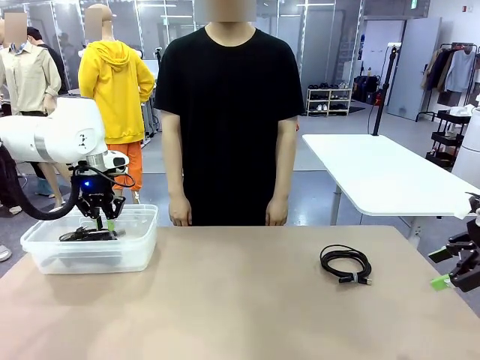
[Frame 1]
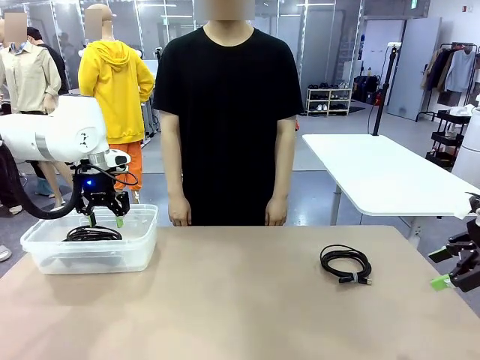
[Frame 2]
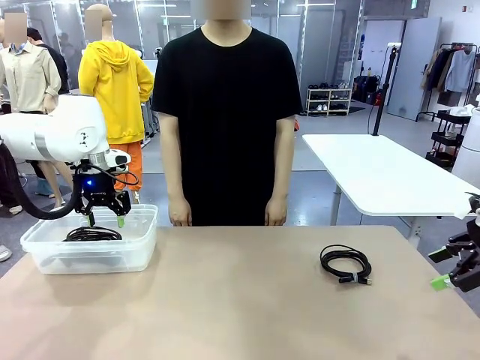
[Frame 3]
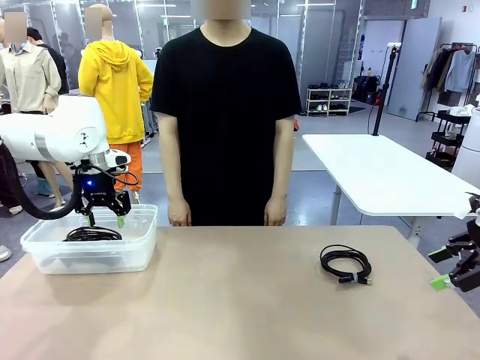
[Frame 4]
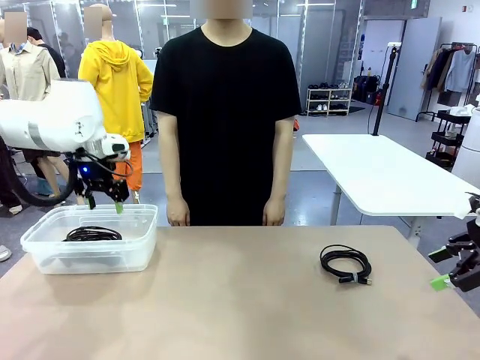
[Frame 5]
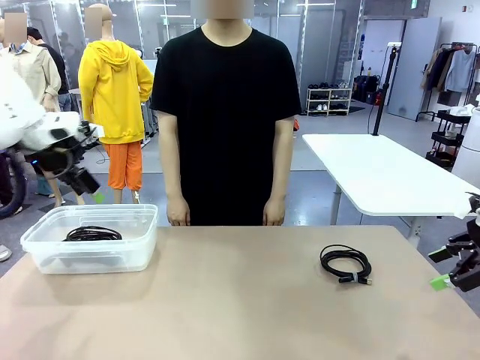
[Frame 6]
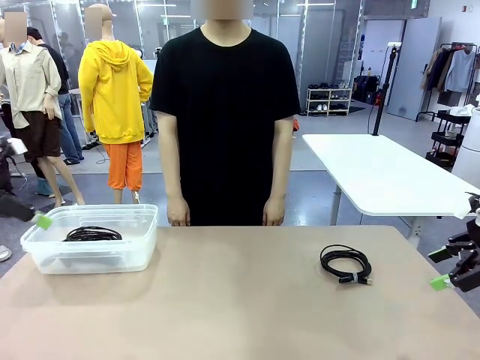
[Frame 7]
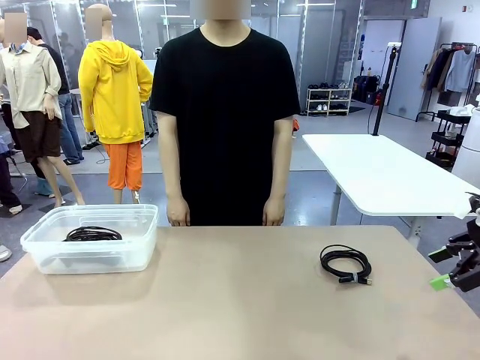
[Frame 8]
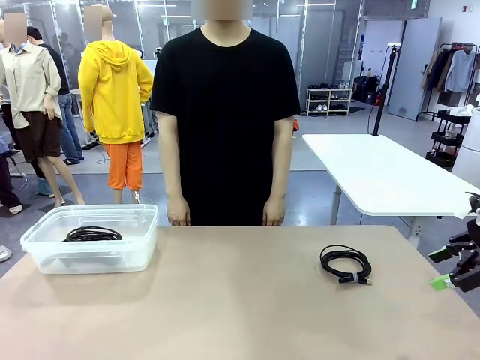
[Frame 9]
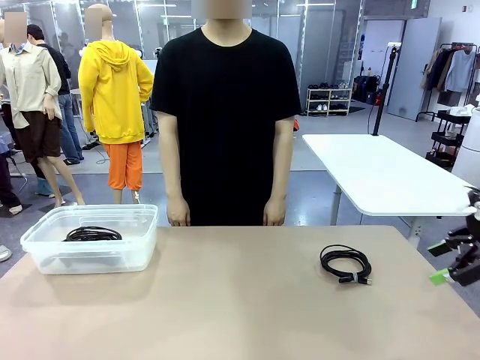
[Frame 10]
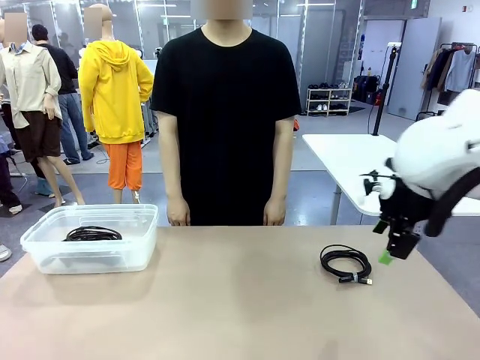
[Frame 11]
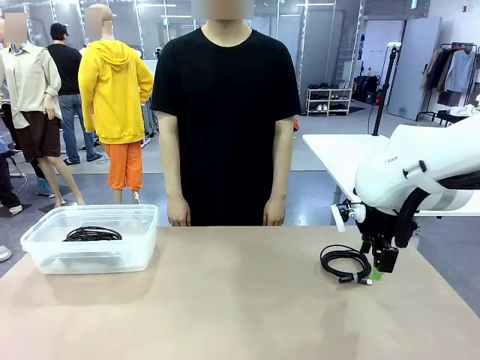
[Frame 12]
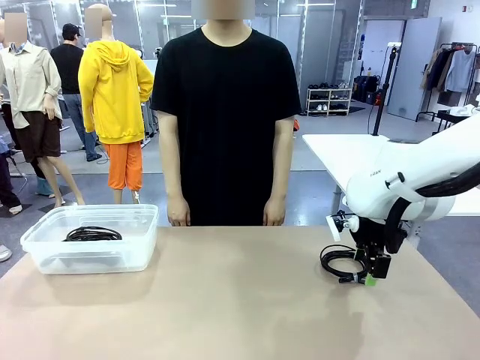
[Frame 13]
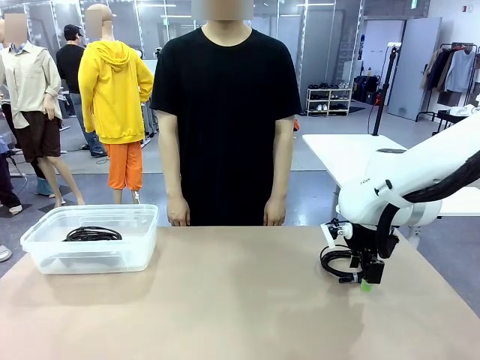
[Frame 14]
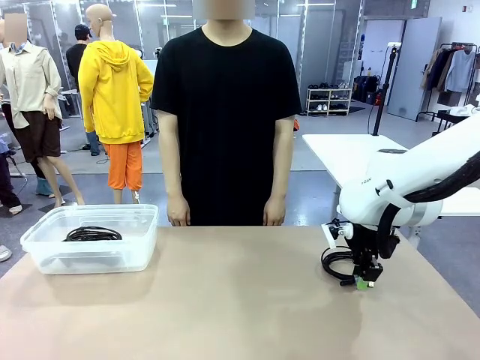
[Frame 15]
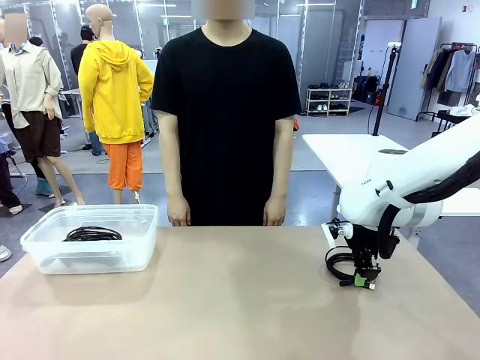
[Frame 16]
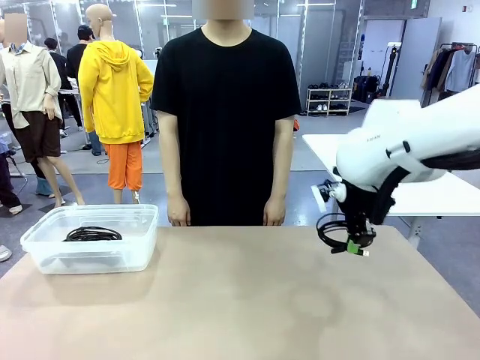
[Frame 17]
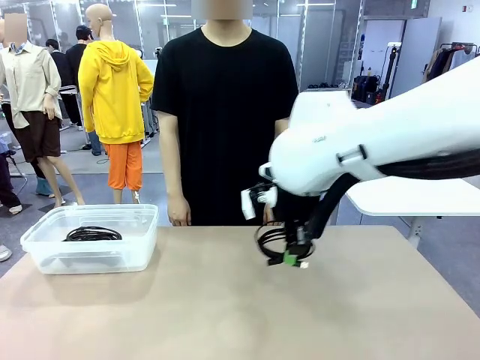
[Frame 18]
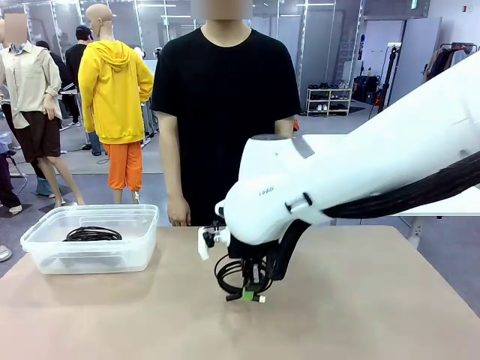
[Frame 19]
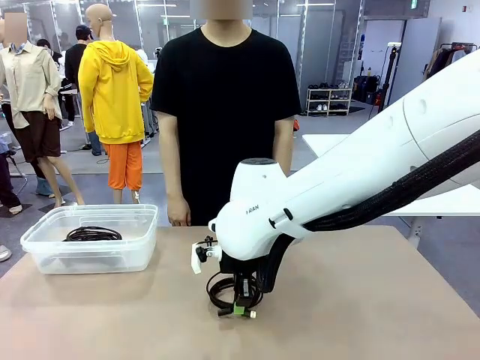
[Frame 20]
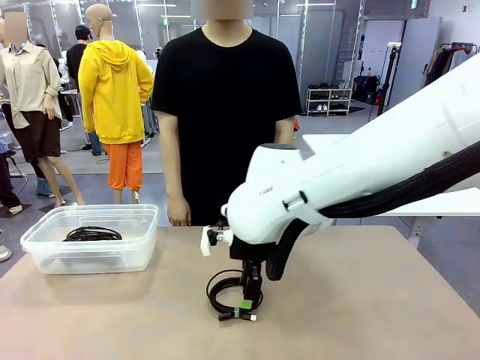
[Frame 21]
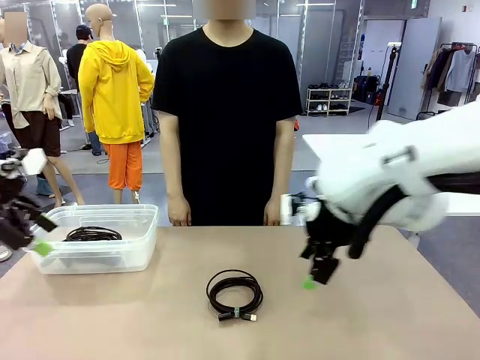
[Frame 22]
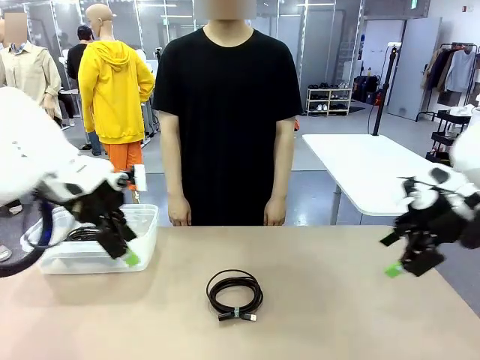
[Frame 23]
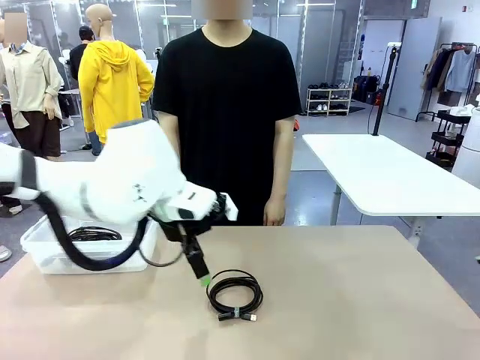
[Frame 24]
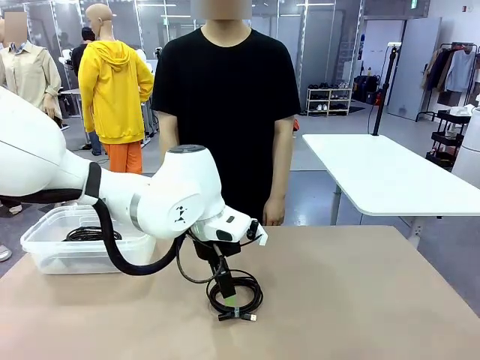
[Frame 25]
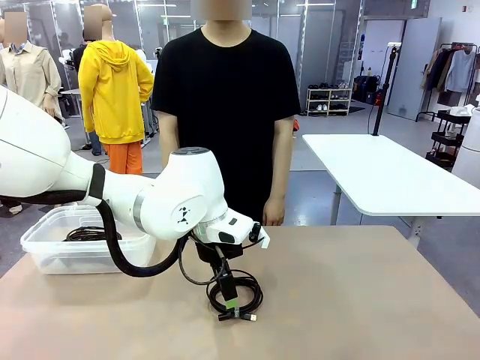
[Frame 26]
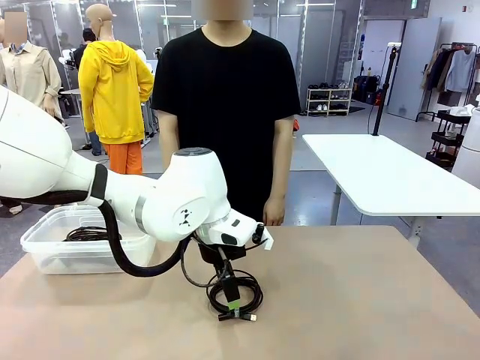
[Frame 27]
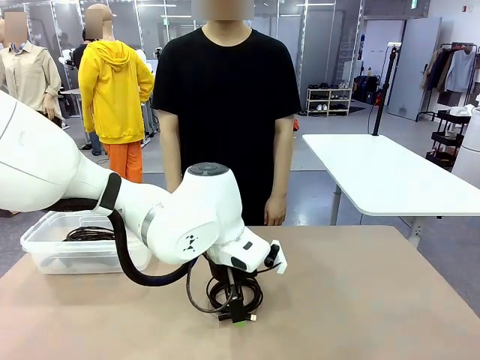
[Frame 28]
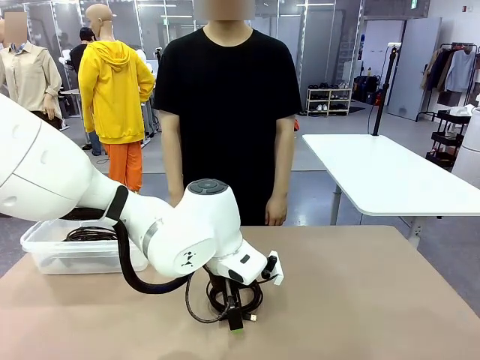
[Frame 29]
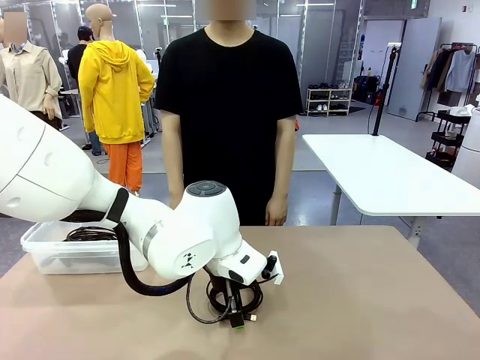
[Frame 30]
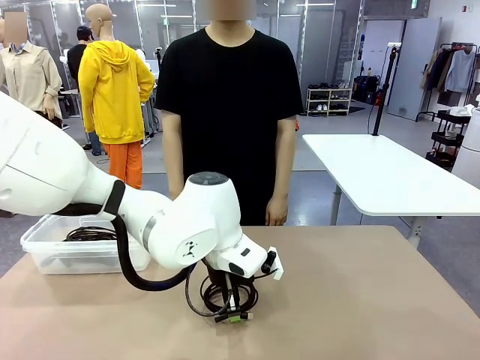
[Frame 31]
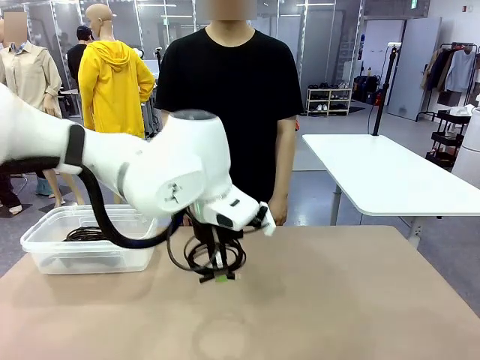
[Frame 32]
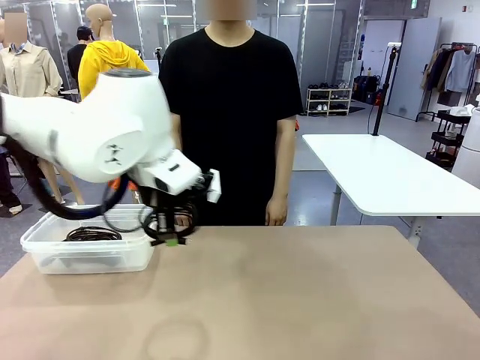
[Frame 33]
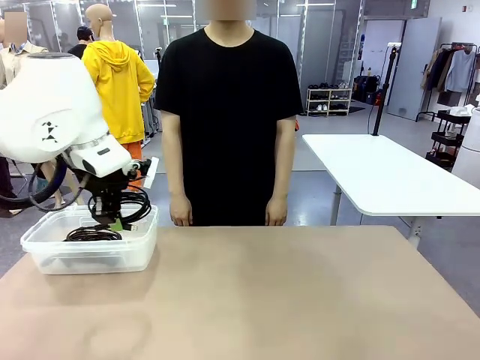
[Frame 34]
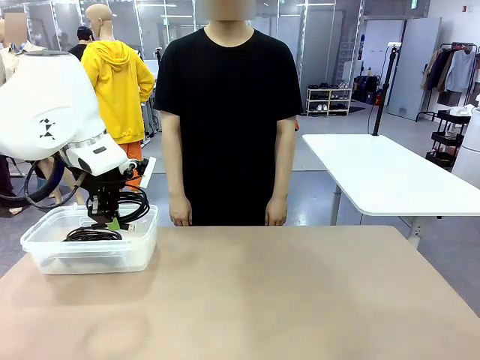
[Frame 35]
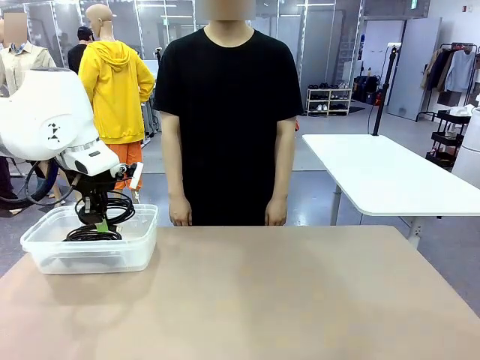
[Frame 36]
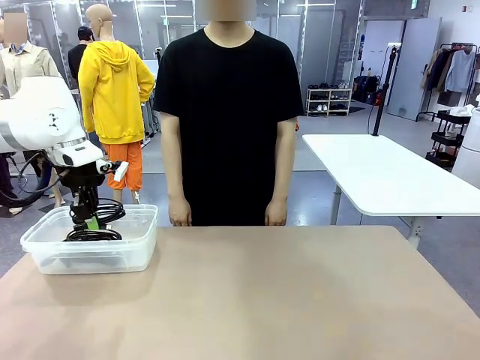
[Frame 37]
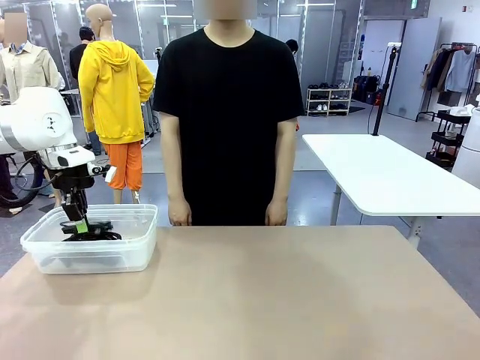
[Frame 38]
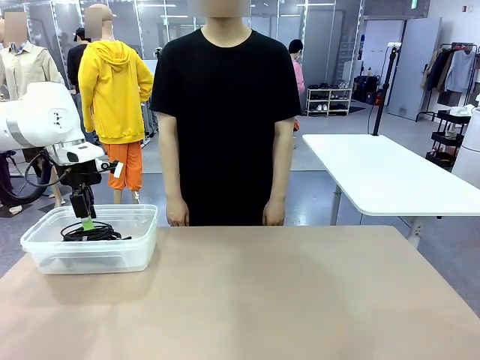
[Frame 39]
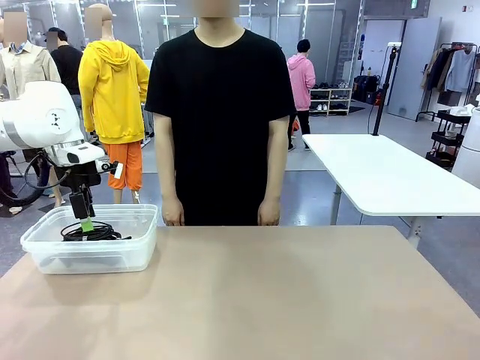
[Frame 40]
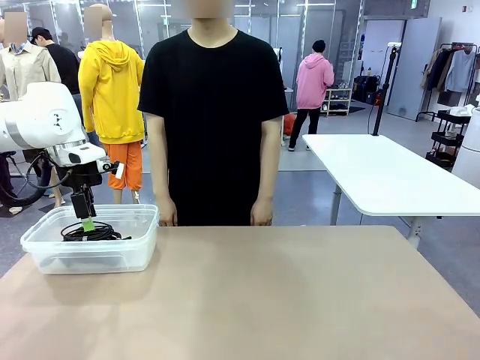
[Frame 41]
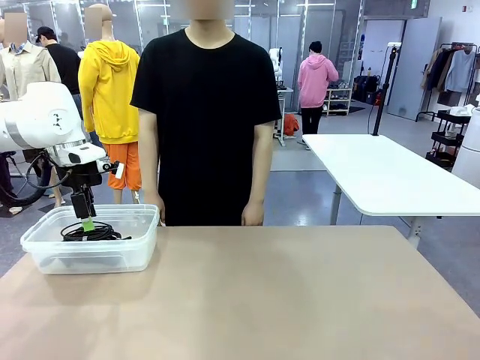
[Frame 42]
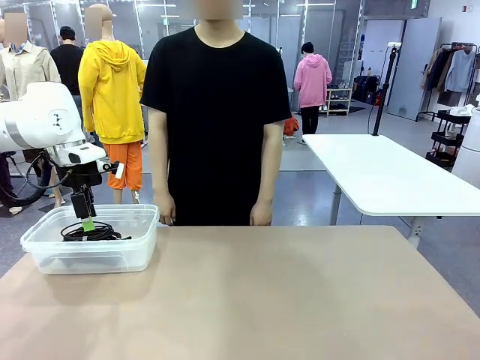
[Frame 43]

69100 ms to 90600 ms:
Task: Organize and store the cables.
Robot: Place the USB Extension Cable into the Organizing box.

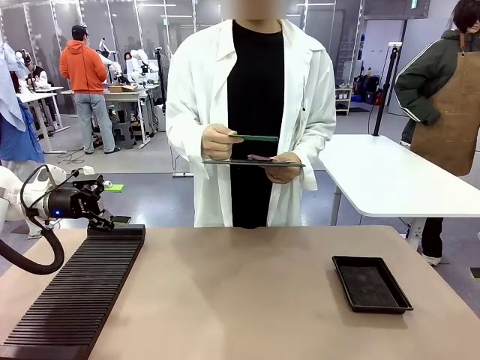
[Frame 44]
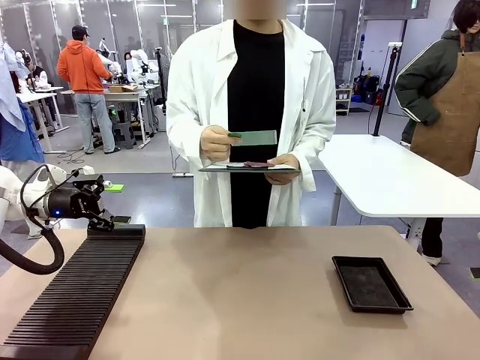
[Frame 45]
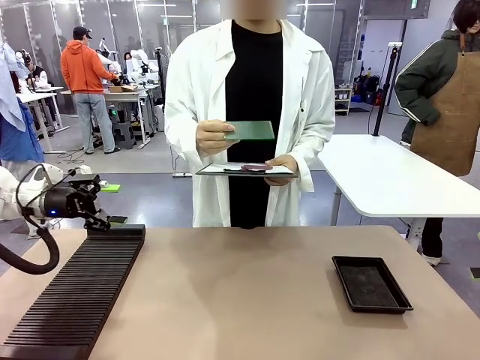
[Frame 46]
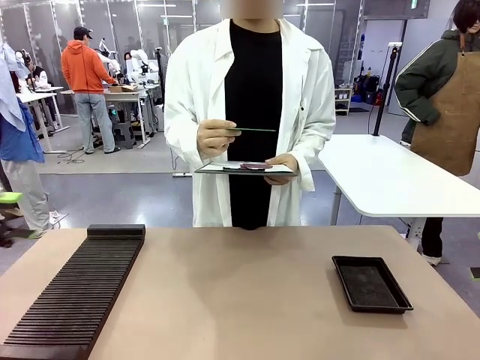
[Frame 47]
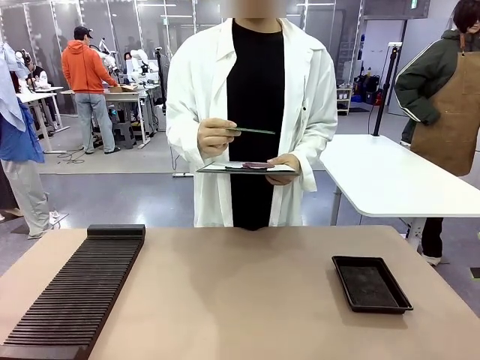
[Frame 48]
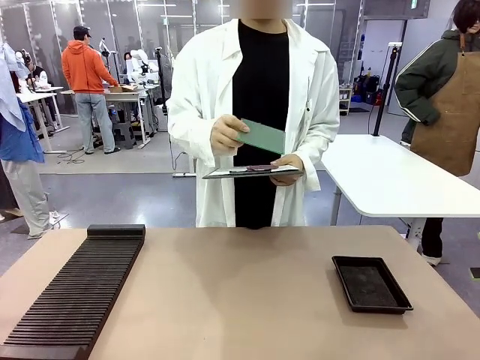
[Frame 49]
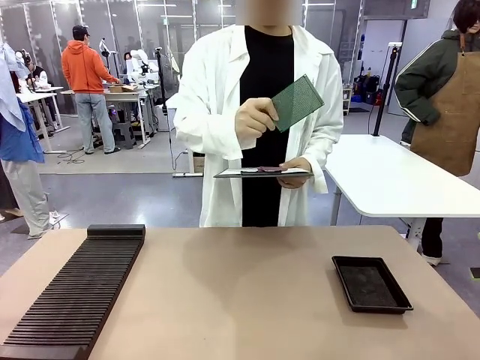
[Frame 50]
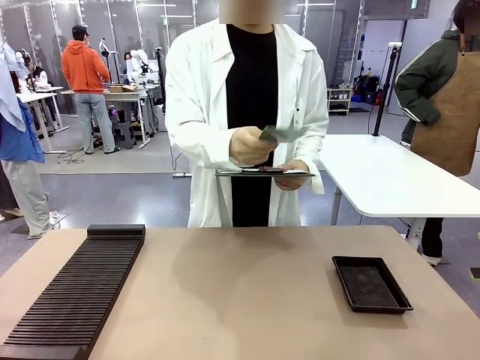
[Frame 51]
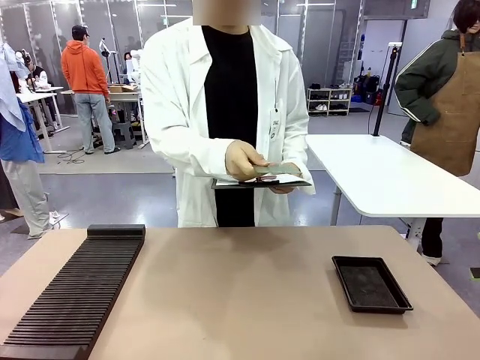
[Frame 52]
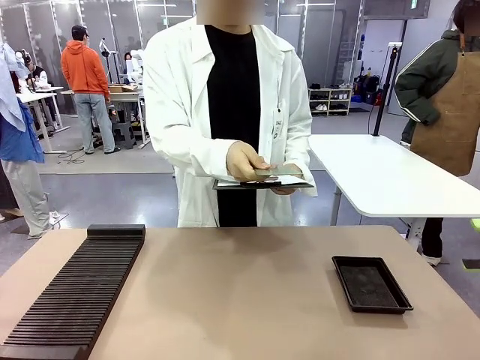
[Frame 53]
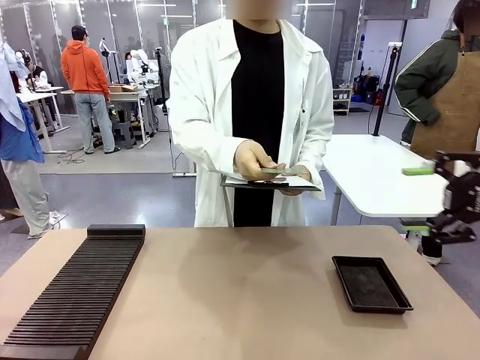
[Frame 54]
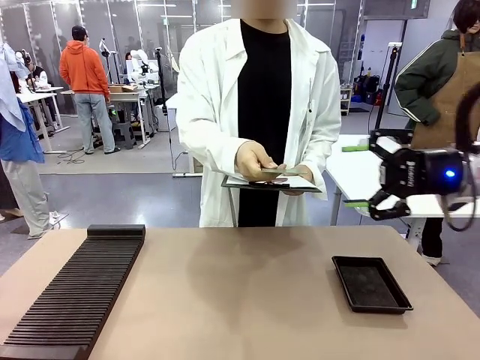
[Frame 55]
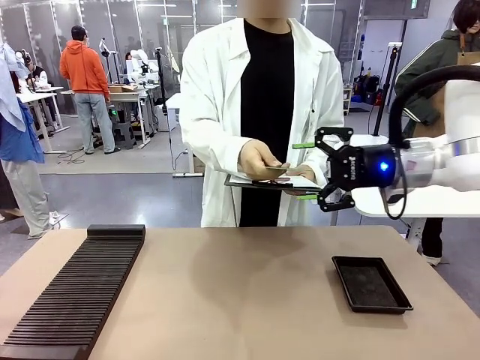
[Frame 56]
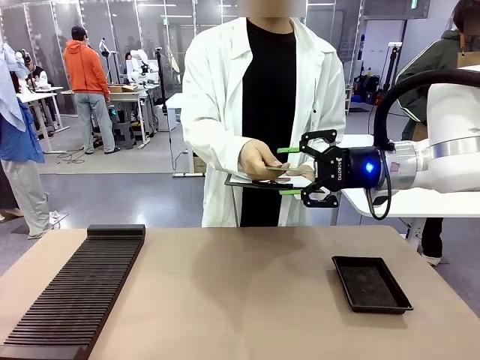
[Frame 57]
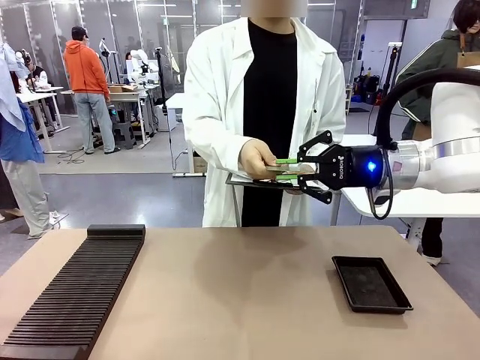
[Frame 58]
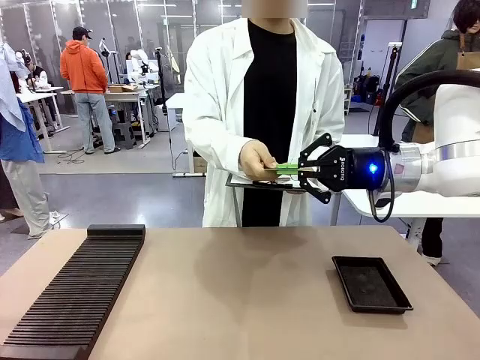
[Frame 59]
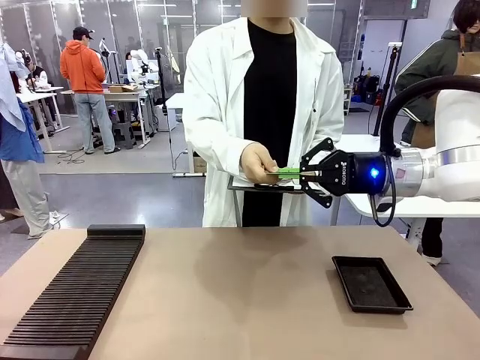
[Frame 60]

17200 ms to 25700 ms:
Task: Inspect the PCB.
Robot: Pick up the Blank PCB that the human is holding.
Person: Inspect the PCB placed by the robot, then hold it out in front of the robot. Release the PCB you were holding.
